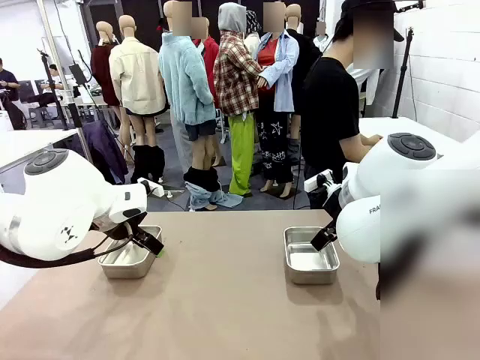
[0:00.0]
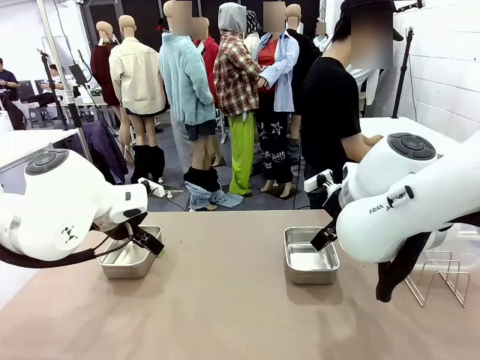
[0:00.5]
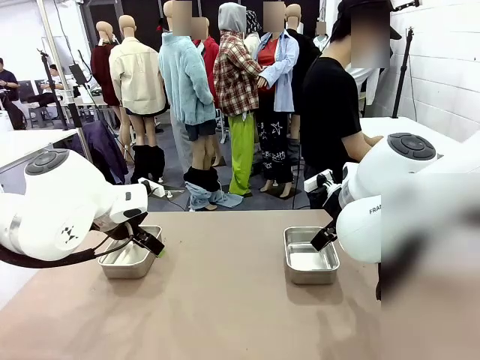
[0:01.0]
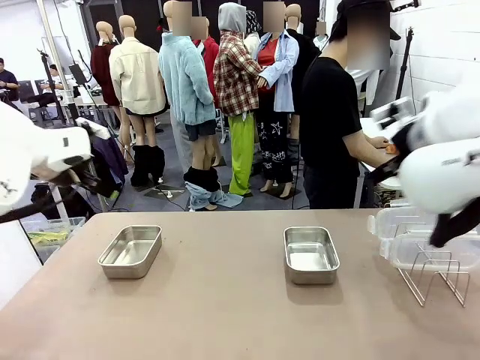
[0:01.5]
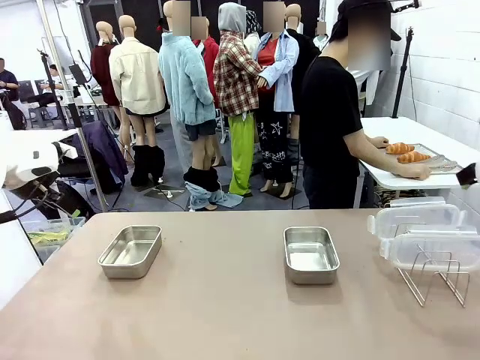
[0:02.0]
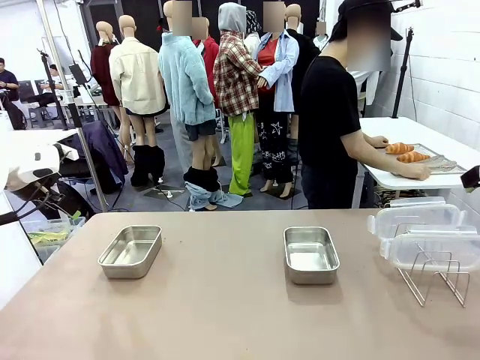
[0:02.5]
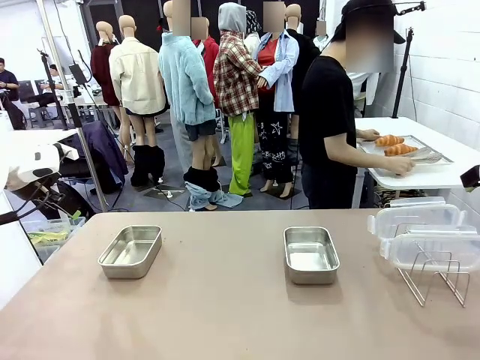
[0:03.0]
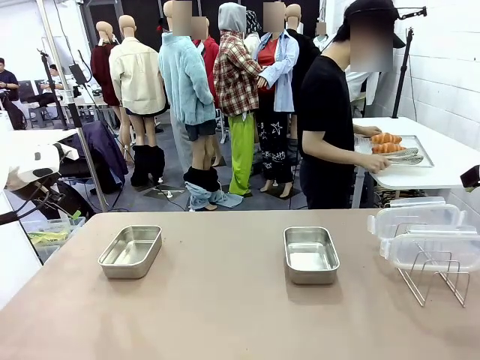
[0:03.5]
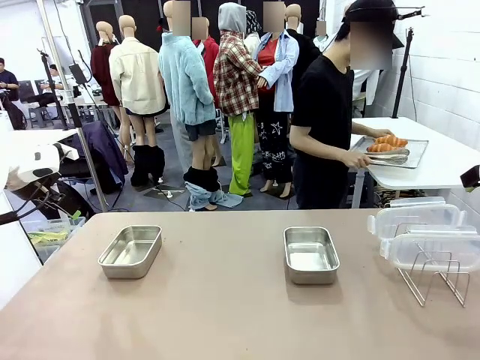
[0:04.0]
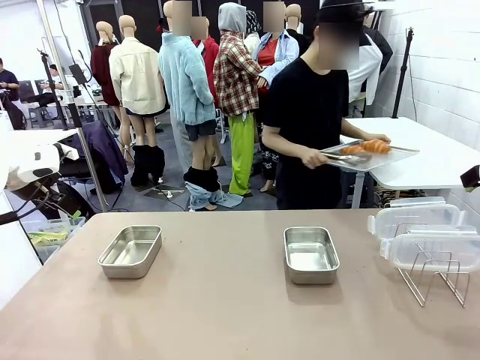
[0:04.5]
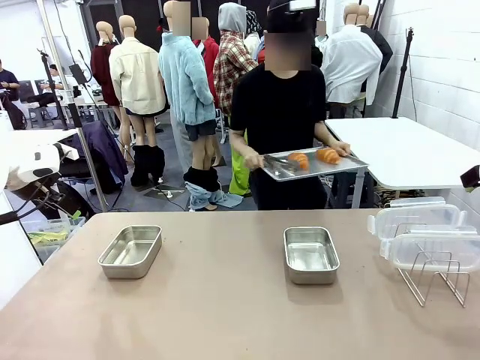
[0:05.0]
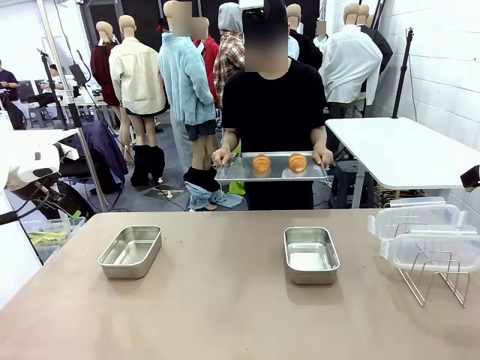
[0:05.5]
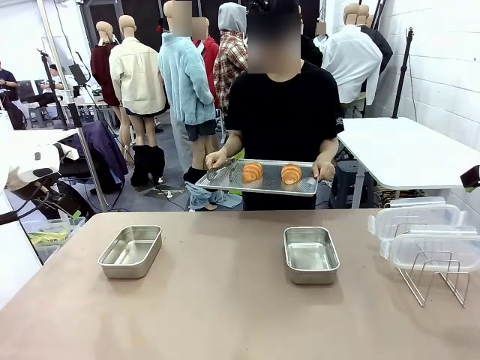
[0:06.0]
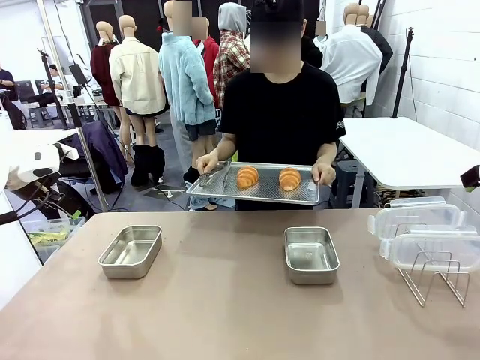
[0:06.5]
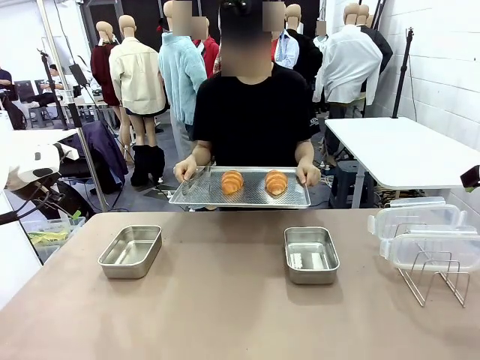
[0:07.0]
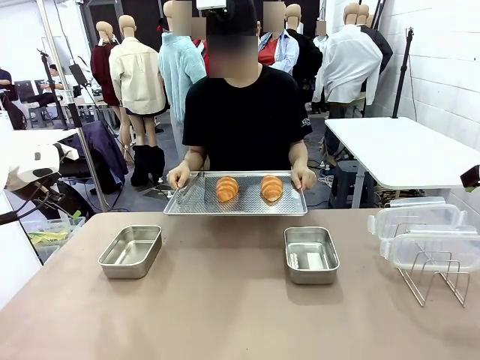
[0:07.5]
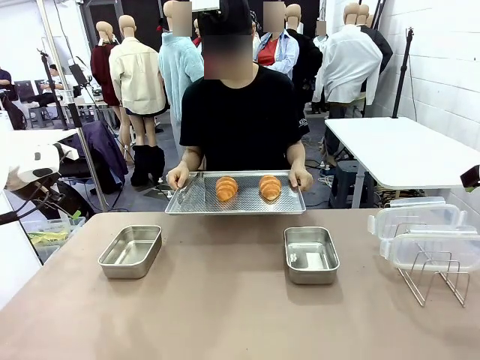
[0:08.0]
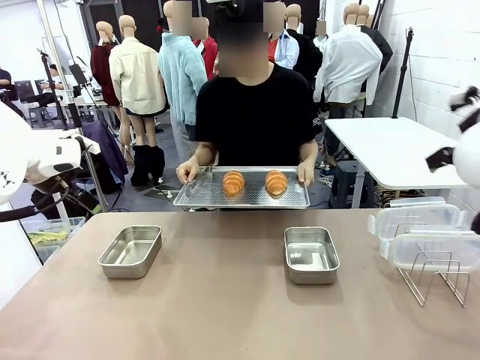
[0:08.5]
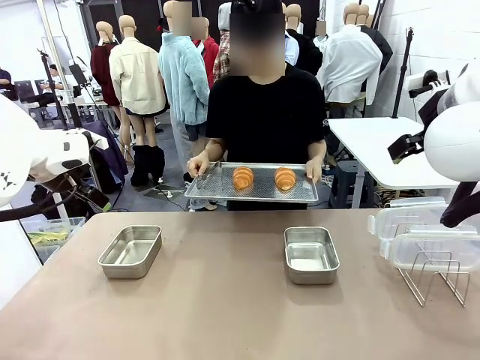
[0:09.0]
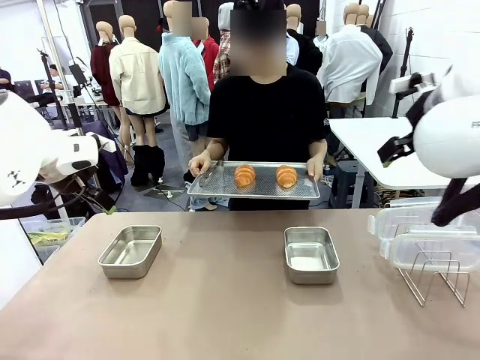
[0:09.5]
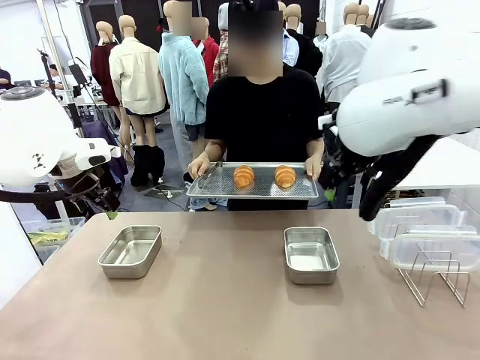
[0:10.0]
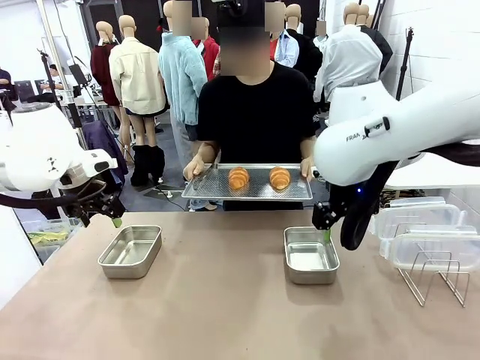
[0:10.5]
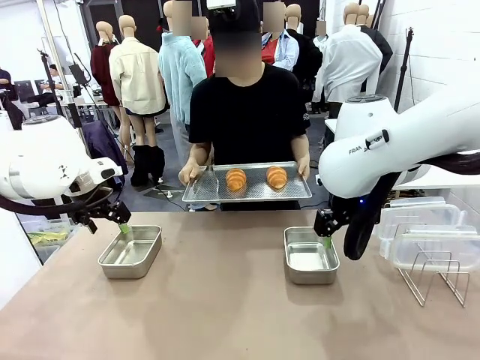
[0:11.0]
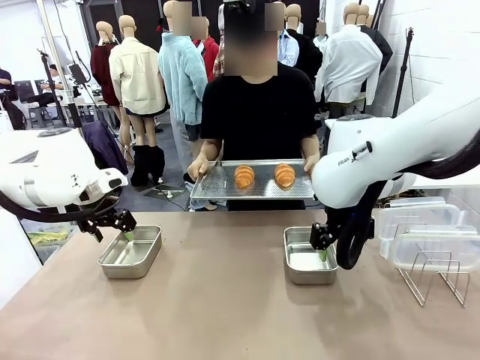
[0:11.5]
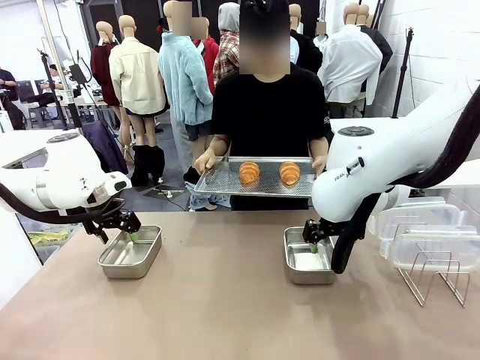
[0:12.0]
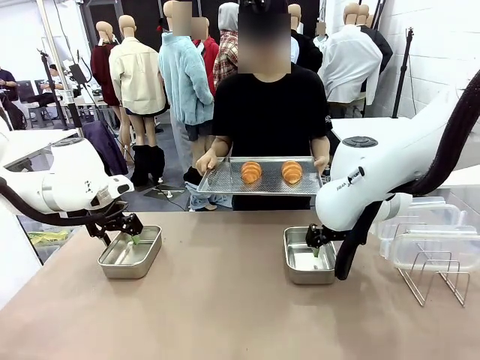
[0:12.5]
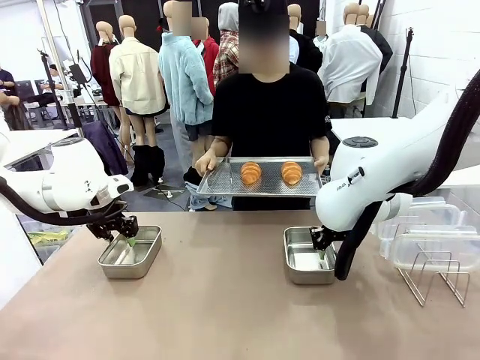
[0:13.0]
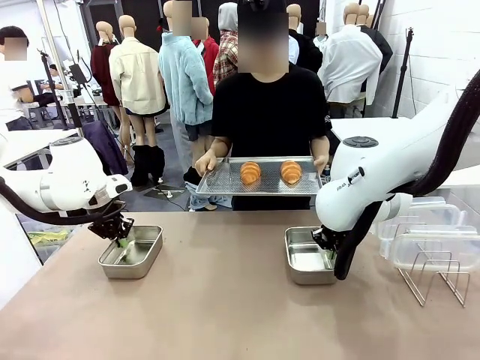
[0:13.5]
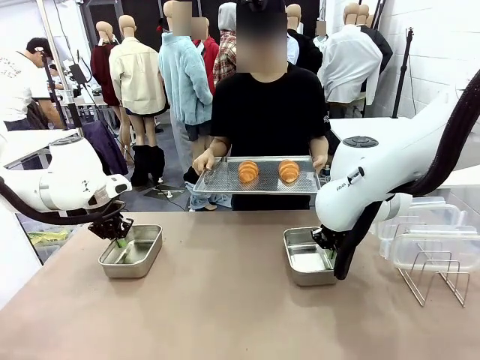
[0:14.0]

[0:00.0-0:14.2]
Task: Place the bread in airtight containers.
Robot: Lift both Airtight Container.
Person: Bring the Baking Sheet in front of Robot's Table.

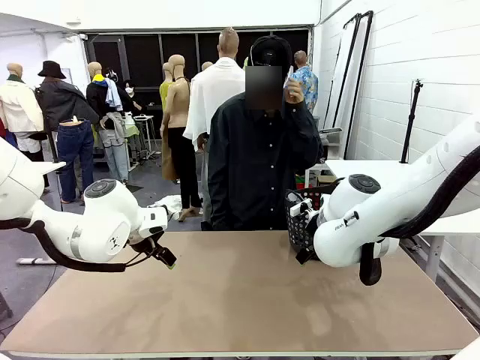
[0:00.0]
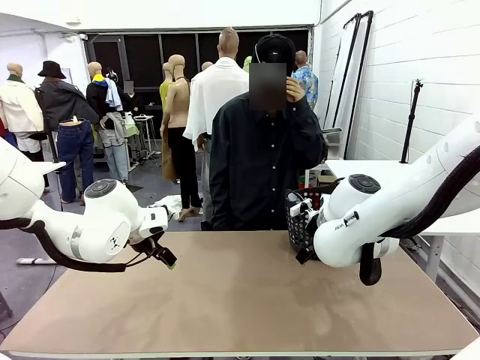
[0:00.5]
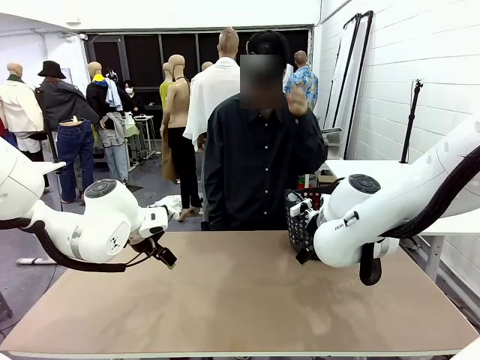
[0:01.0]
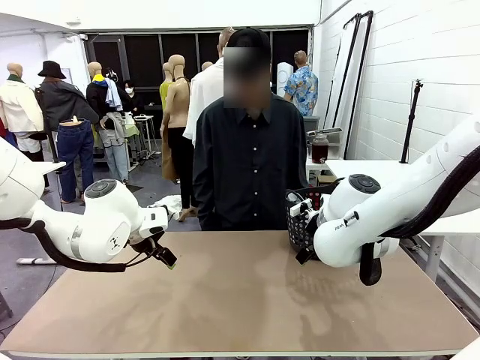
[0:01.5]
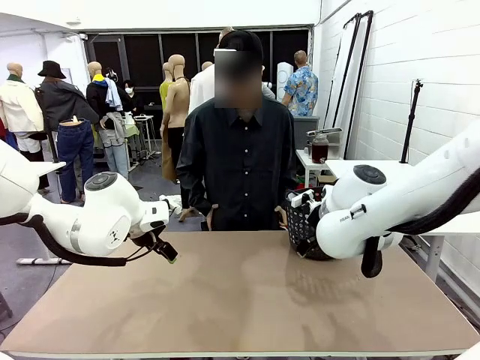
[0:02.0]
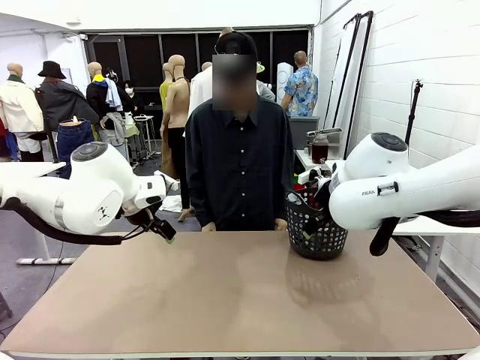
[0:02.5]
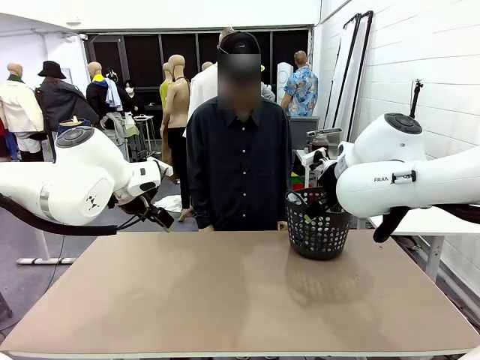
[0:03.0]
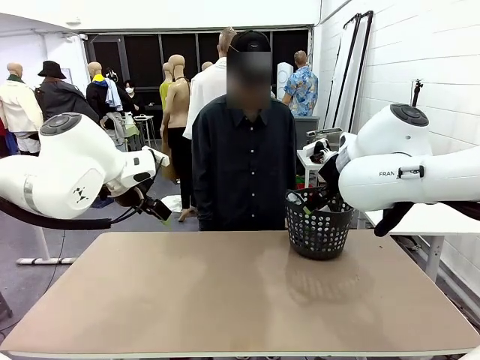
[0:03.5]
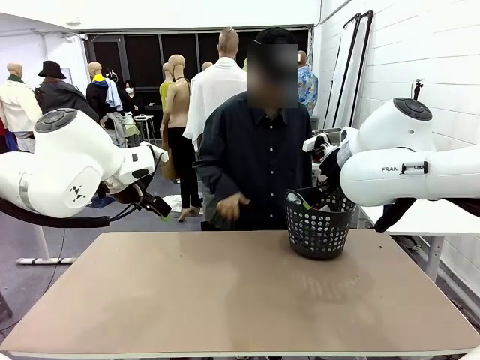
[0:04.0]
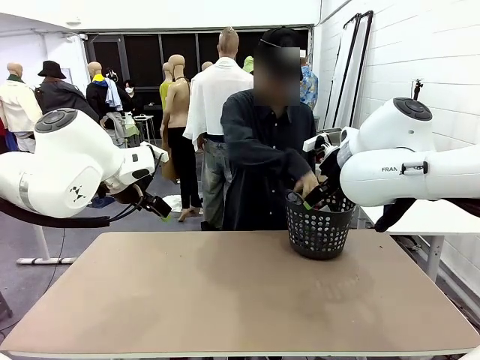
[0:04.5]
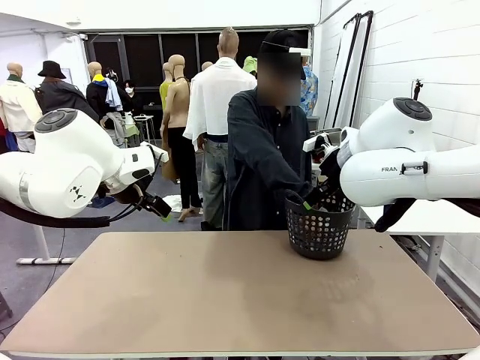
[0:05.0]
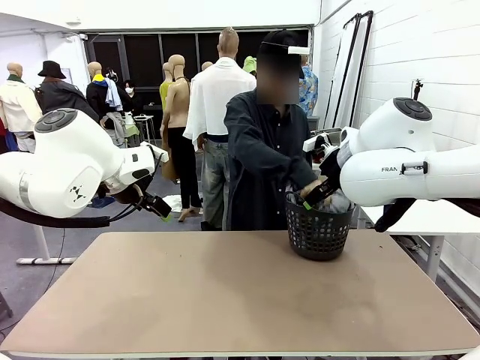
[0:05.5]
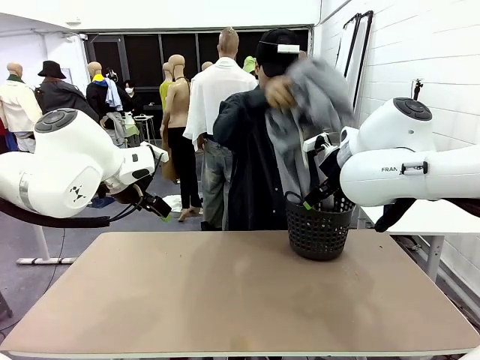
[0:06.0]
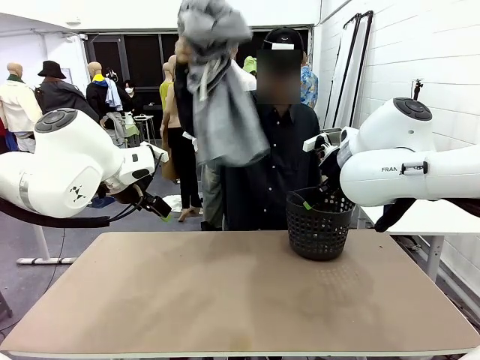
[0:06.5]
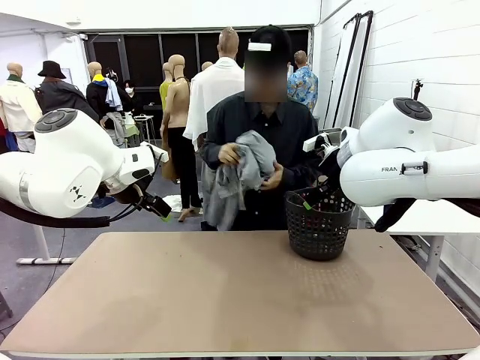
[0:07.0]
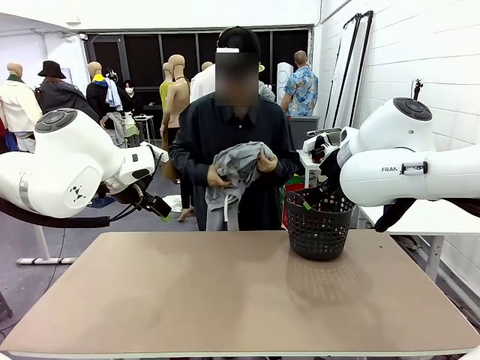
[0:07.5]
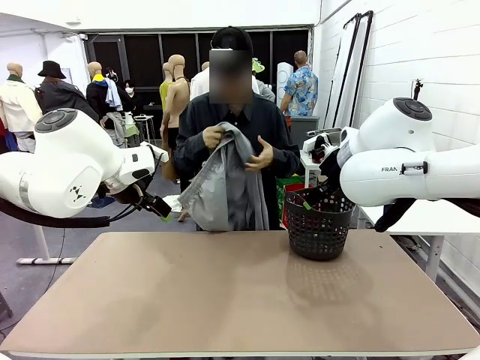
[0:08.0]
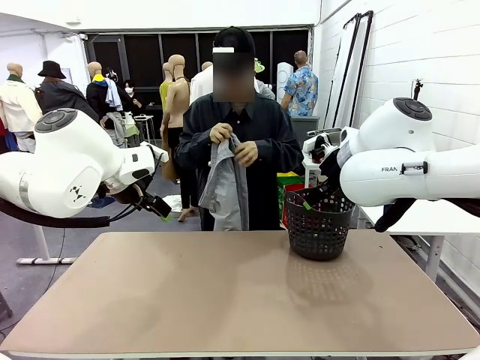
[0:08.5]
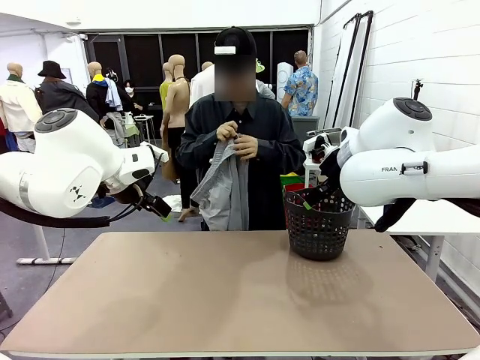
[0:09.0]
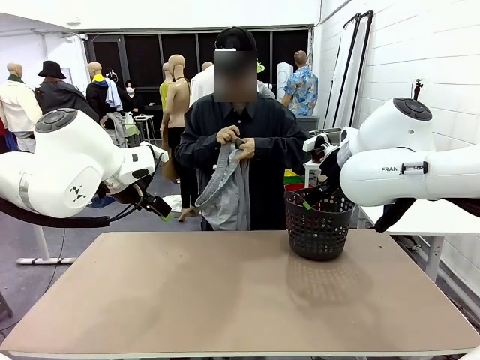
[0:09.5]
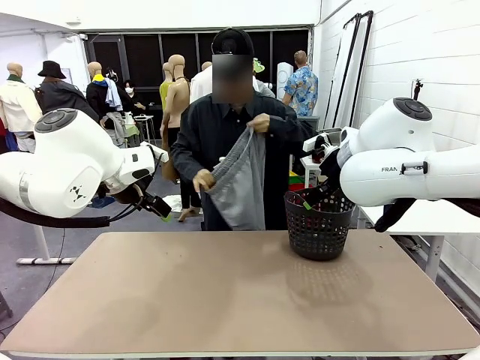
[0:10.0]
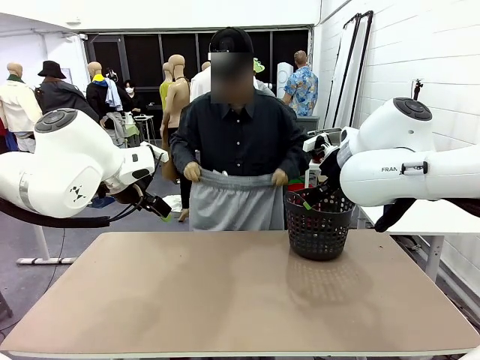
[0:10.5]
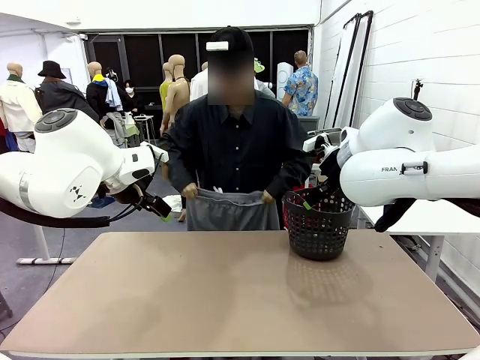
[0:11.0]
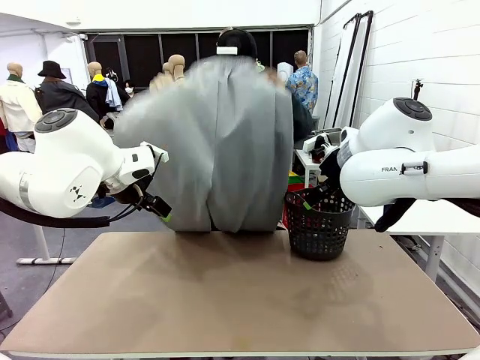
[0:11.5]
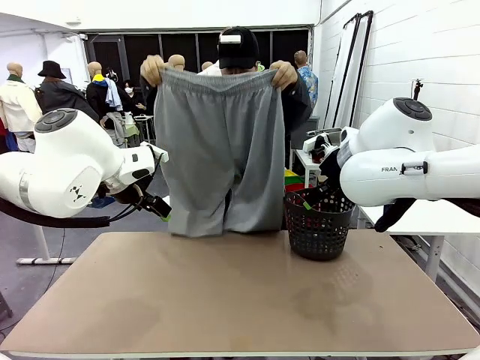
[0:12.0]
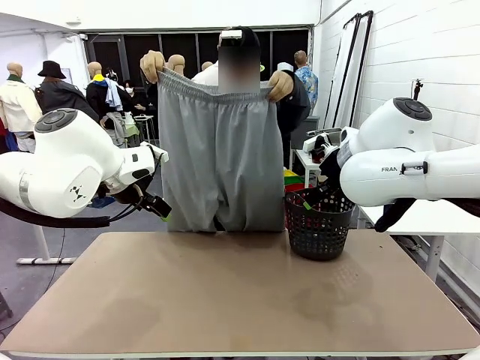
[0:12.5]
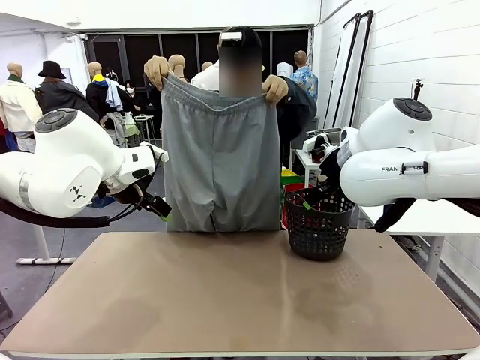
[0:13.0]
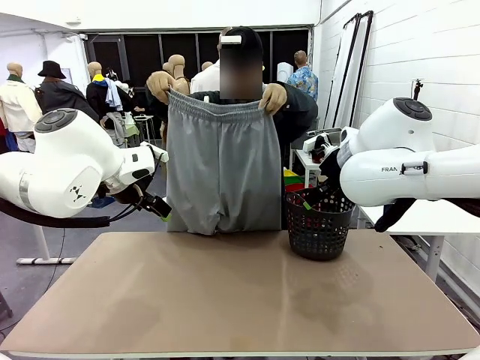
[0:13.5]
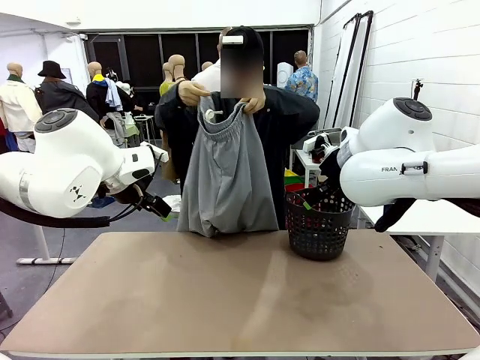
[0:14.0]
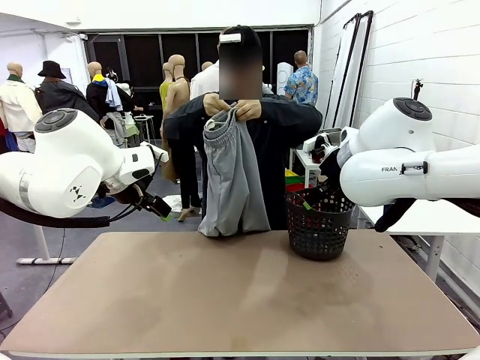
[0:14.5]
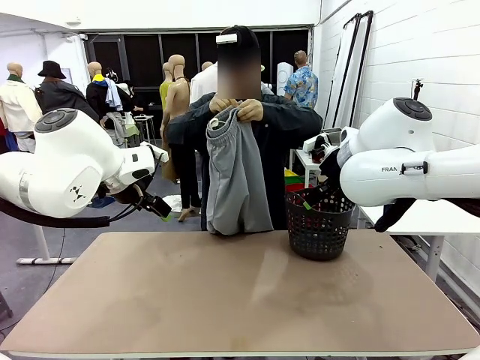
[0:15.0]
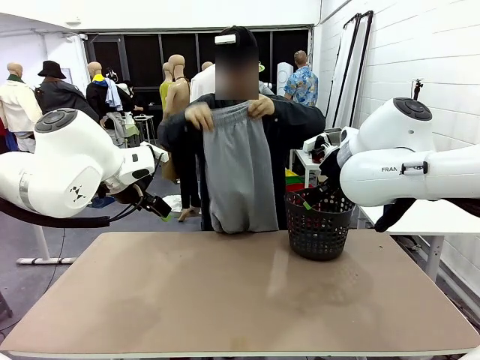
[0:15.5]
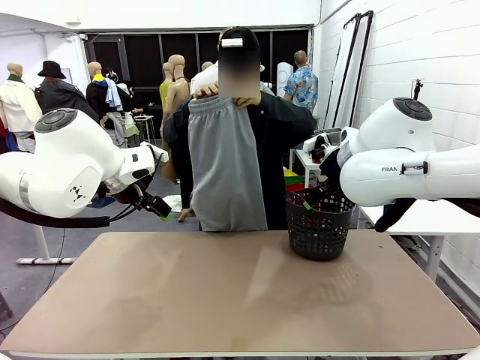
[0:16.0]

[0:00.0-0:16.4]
Task: Fold the training pants.
Robot: Grab both ends of the Training pants handed by a person.
Person: Take the long pants out of the laundry basket, unfold them, fold the waist in half, and extend them so the robot can pick up both corners.
